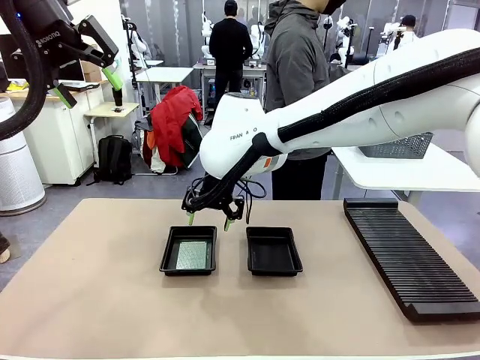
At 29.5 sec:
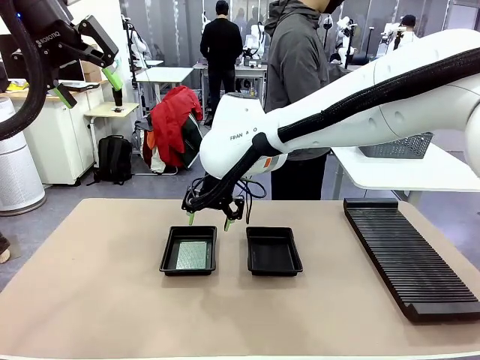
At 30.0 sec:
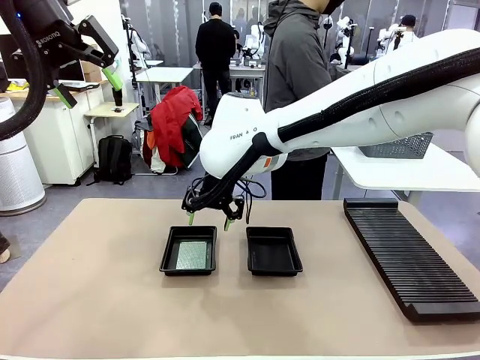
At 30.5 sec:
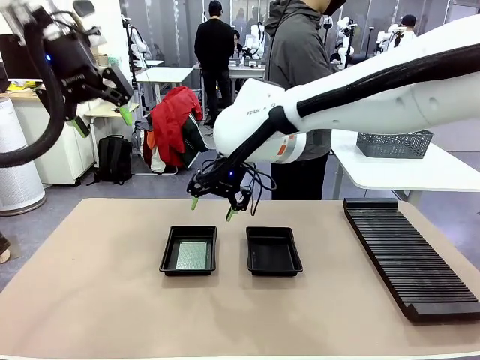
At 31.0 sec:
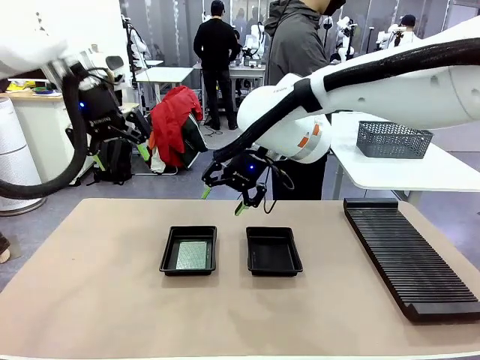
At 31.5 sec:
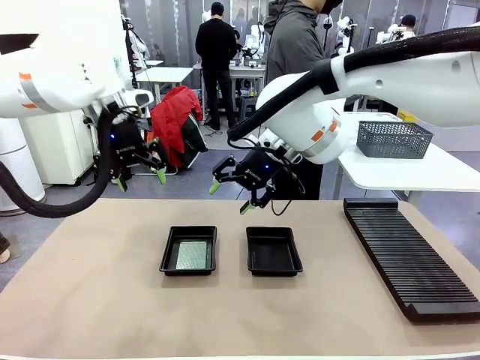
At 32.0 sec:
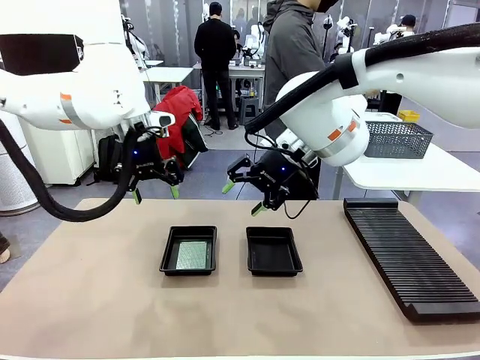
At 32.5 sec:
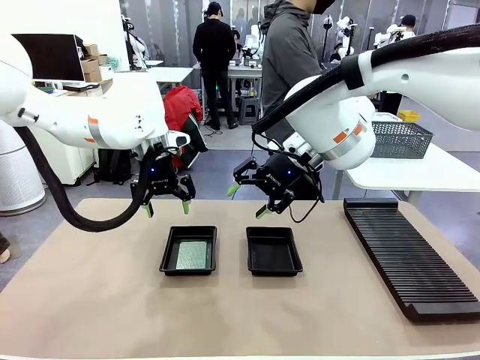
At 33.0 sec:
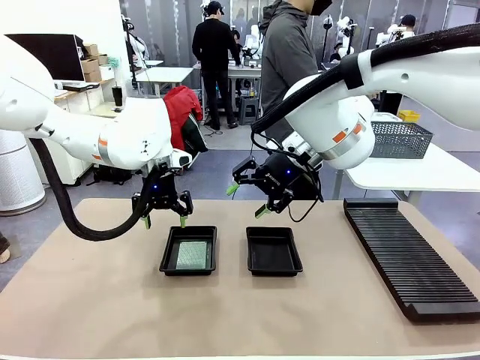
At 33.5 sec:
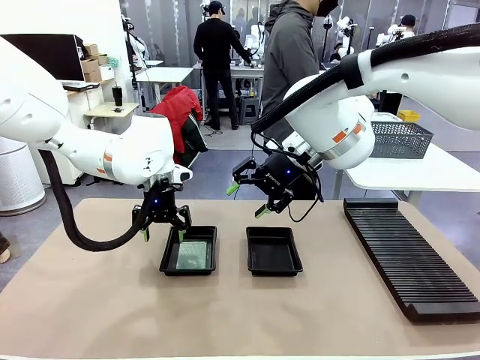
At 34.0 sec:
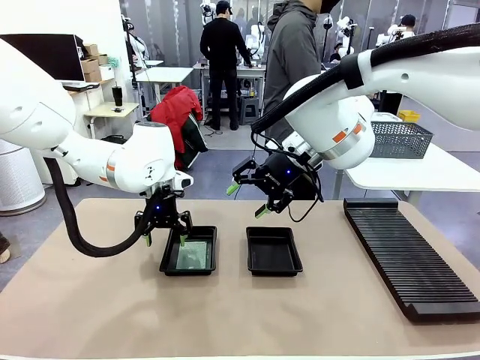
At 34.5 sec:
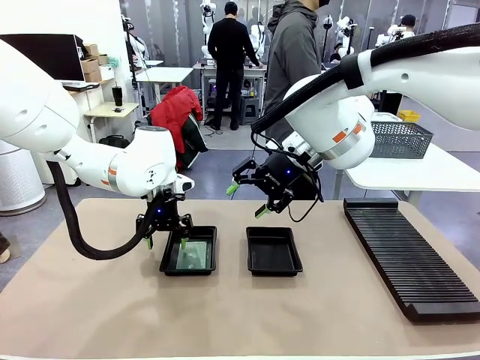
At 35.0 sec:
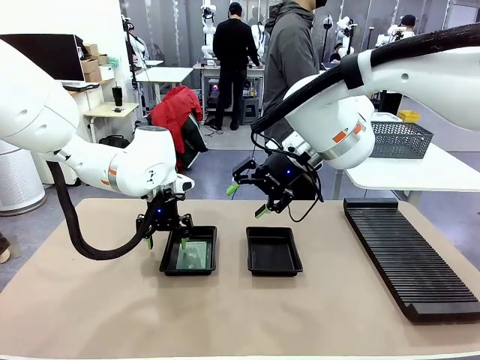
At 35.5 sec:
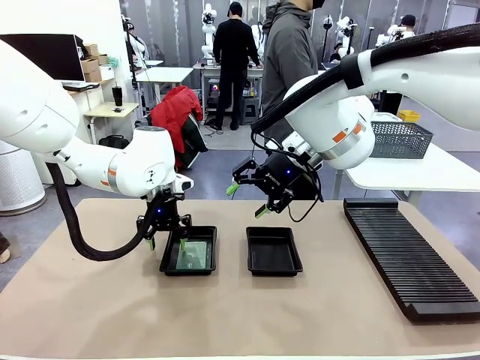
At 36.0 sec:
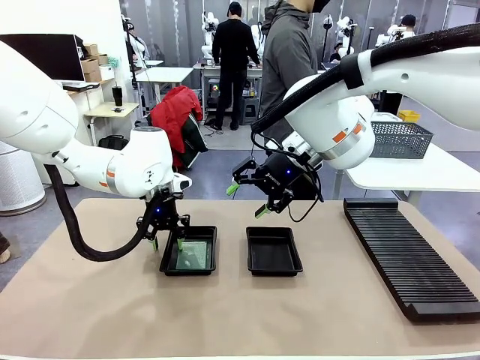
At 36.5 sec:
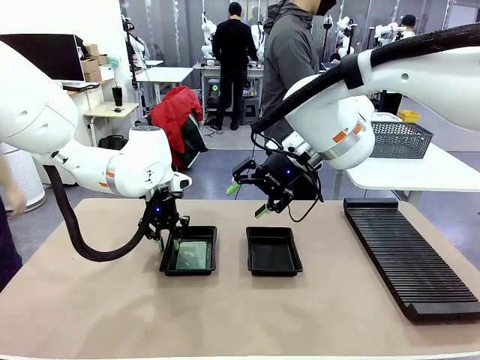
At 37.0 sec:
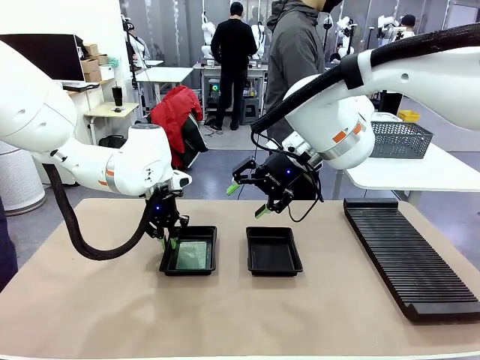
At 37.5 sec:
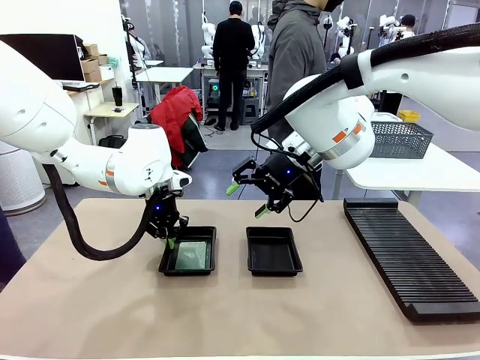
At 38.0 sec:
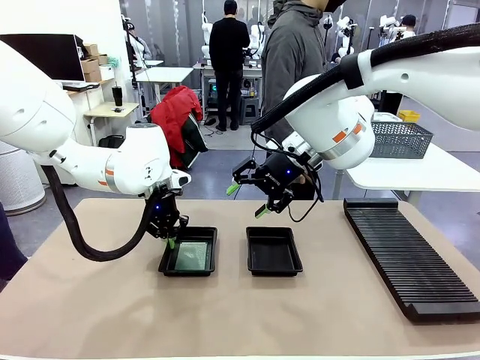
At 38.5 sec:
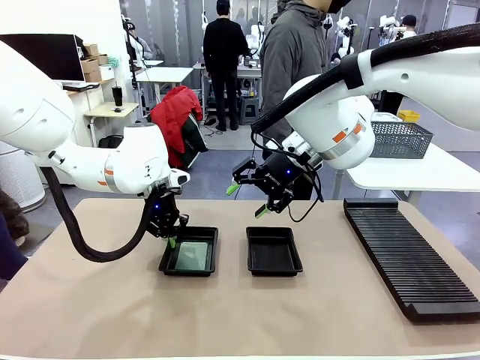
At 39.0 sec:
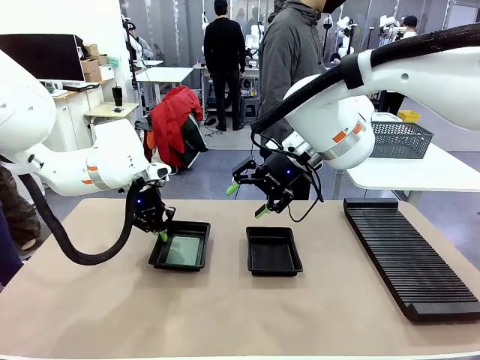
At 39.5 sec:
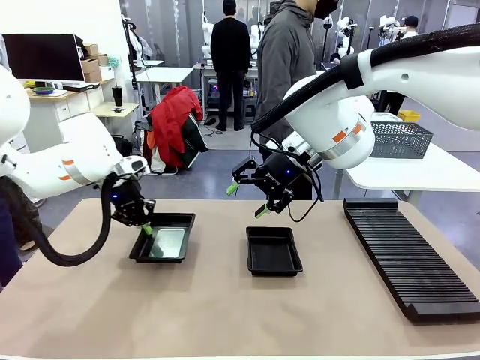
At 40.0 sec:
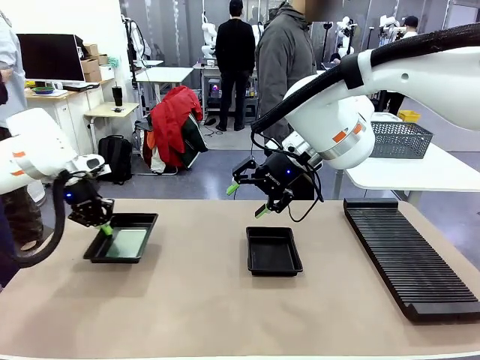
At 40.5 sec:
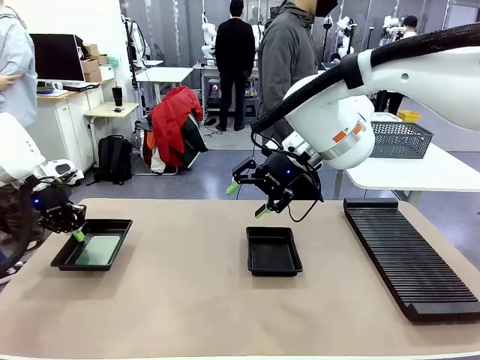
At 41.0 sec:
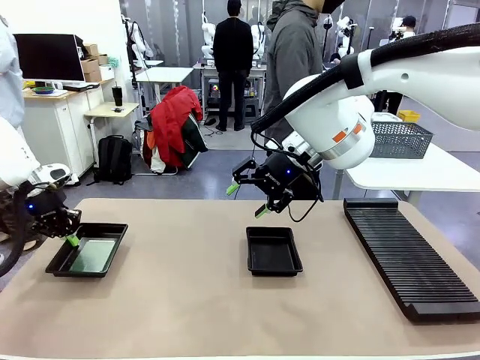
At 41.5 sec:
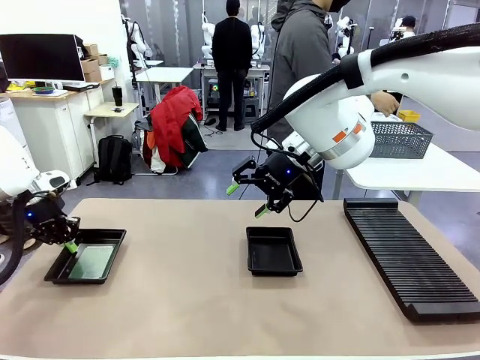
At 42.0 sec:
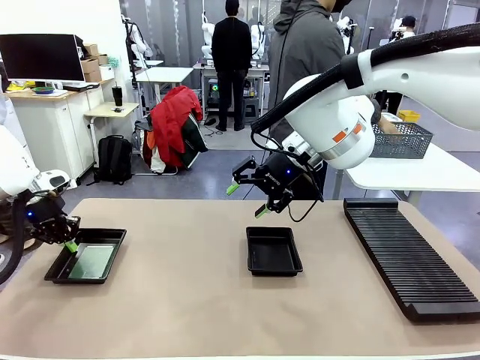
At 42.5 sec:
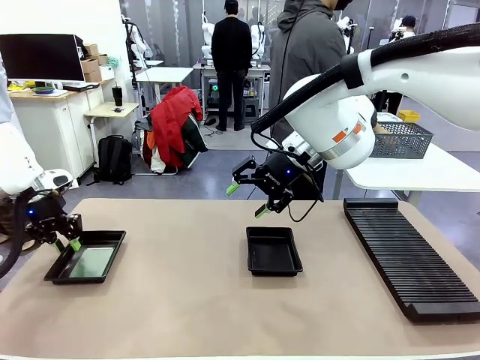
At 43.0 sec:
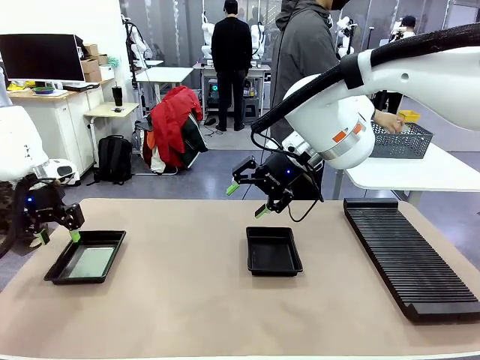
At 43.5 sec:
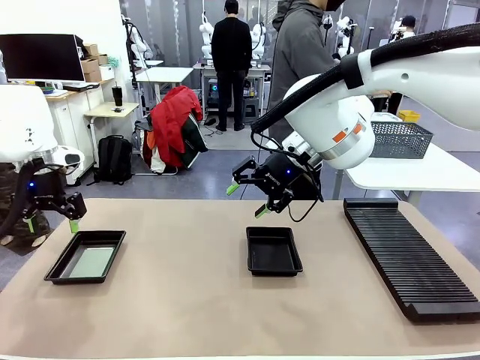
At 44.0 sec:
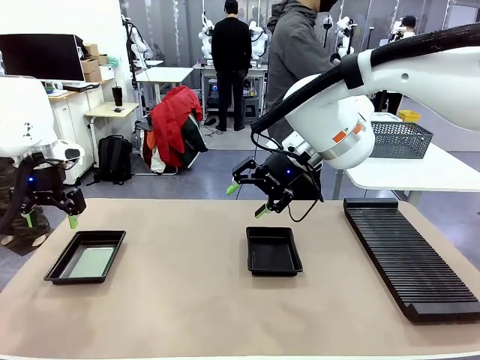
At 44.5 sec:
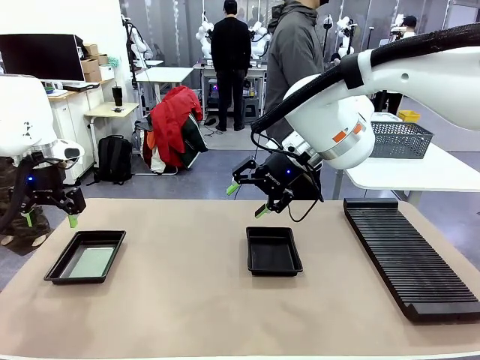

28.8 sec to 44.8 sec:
Task: Inspect and transfer BCBs to ESD trays.
Robot: Pick up the ESD tray and place it on the left side of the table.
